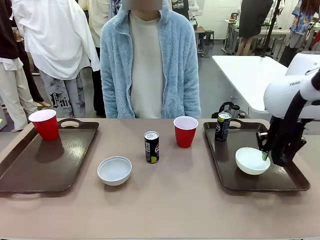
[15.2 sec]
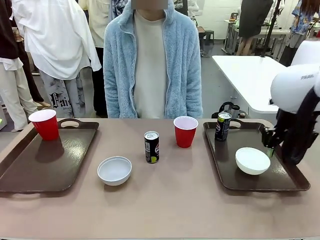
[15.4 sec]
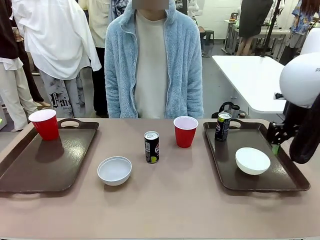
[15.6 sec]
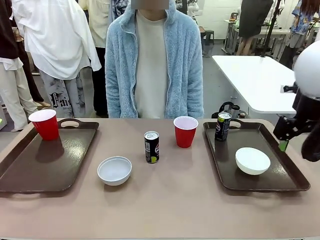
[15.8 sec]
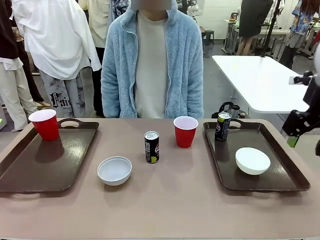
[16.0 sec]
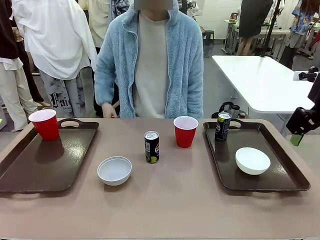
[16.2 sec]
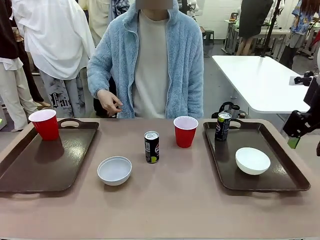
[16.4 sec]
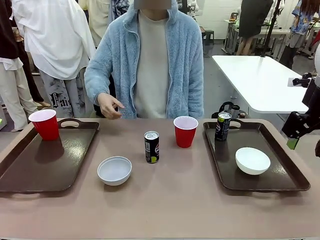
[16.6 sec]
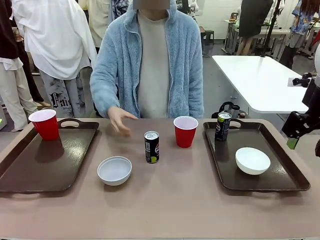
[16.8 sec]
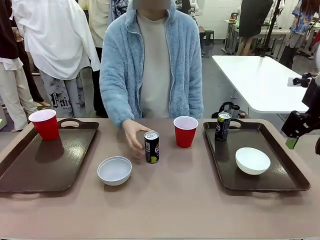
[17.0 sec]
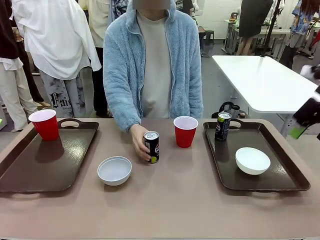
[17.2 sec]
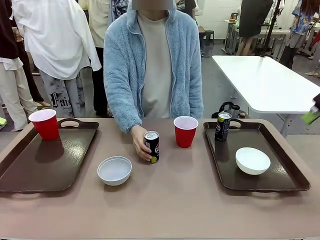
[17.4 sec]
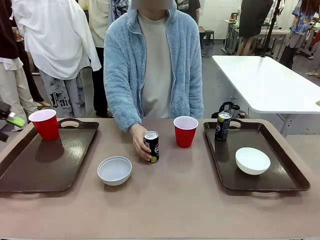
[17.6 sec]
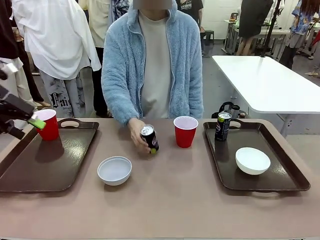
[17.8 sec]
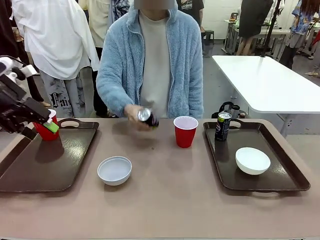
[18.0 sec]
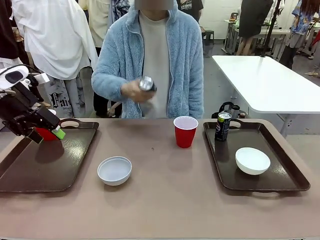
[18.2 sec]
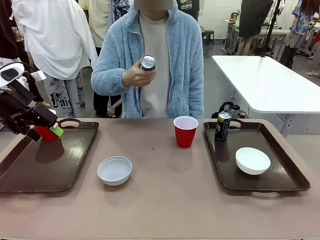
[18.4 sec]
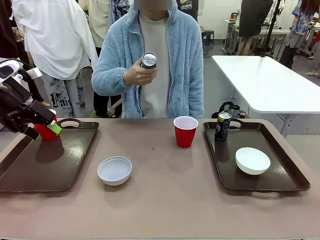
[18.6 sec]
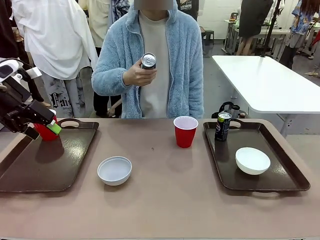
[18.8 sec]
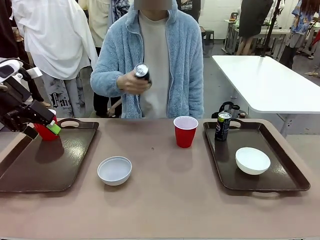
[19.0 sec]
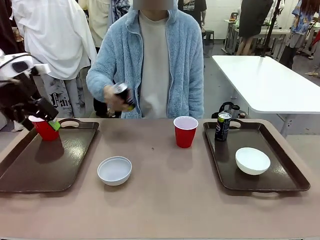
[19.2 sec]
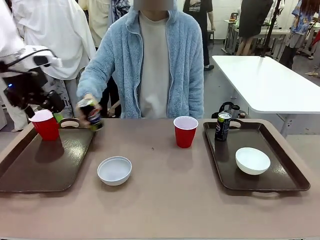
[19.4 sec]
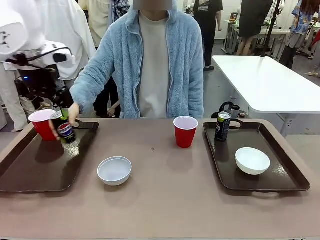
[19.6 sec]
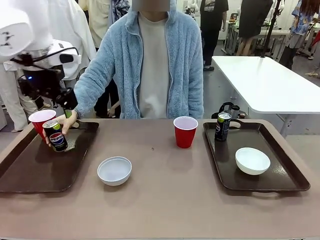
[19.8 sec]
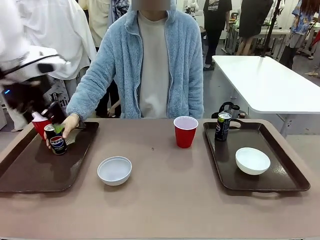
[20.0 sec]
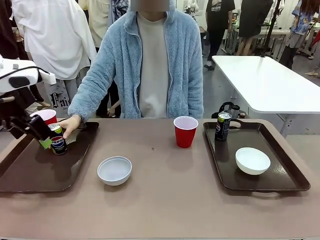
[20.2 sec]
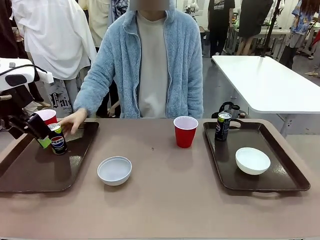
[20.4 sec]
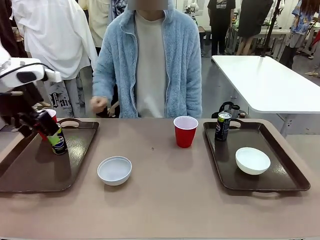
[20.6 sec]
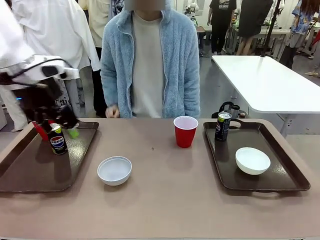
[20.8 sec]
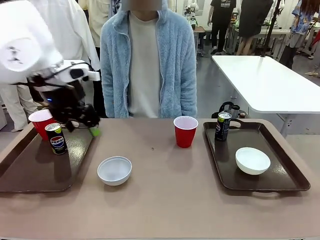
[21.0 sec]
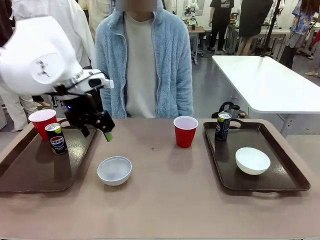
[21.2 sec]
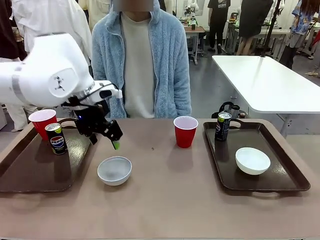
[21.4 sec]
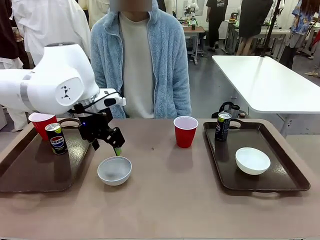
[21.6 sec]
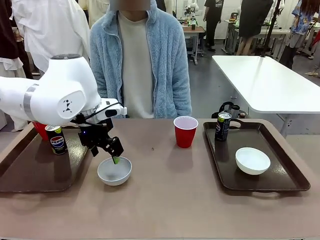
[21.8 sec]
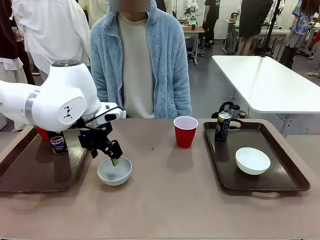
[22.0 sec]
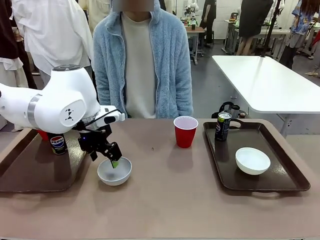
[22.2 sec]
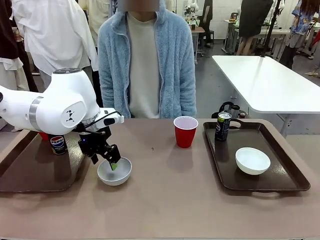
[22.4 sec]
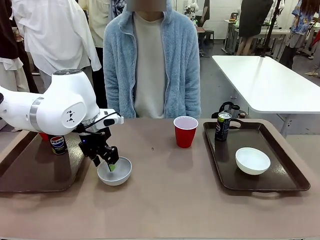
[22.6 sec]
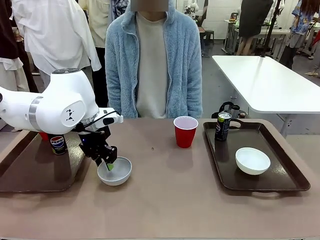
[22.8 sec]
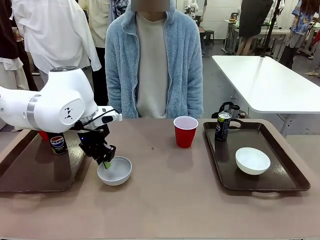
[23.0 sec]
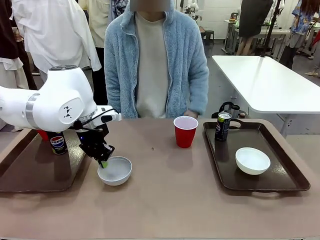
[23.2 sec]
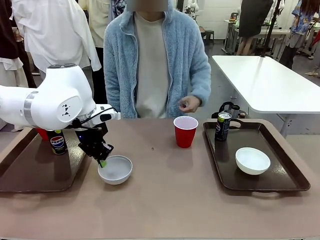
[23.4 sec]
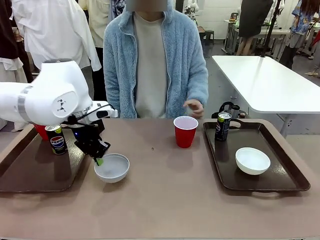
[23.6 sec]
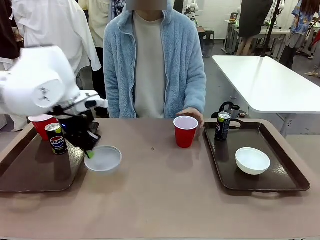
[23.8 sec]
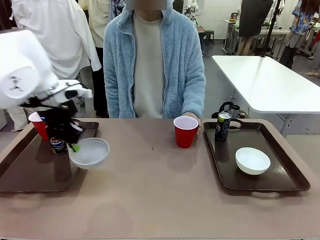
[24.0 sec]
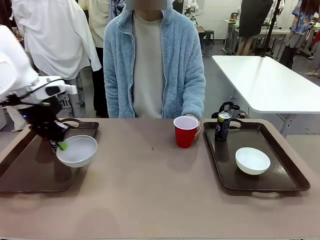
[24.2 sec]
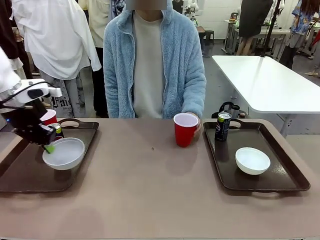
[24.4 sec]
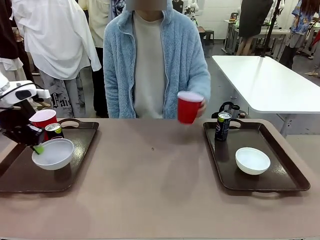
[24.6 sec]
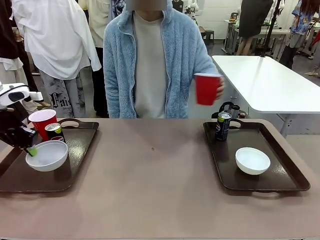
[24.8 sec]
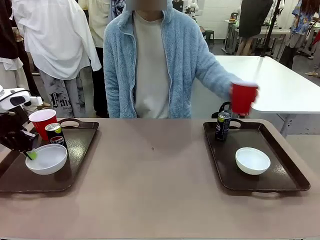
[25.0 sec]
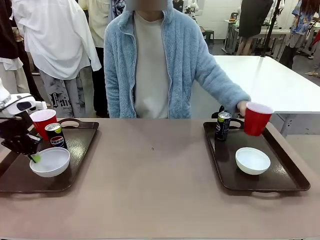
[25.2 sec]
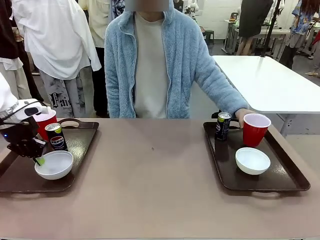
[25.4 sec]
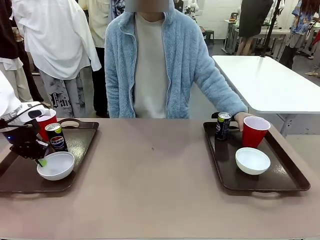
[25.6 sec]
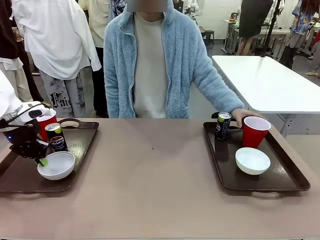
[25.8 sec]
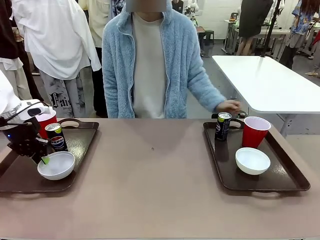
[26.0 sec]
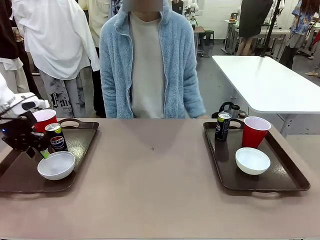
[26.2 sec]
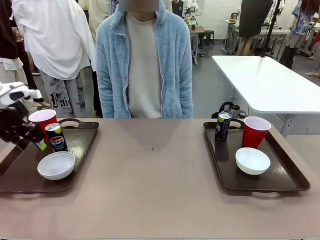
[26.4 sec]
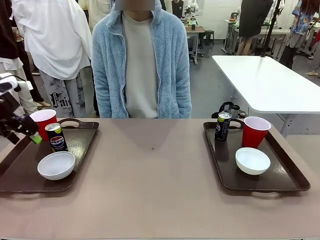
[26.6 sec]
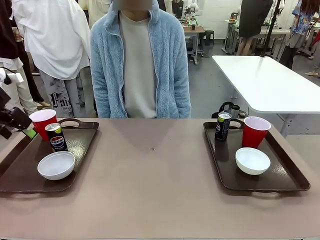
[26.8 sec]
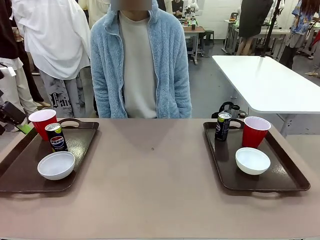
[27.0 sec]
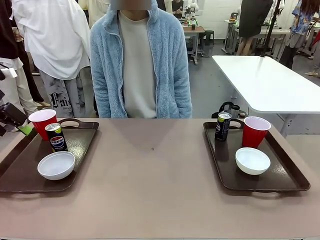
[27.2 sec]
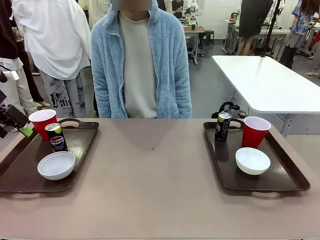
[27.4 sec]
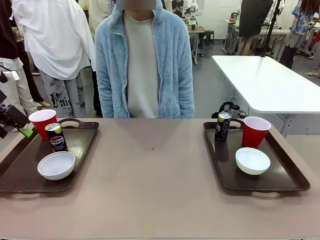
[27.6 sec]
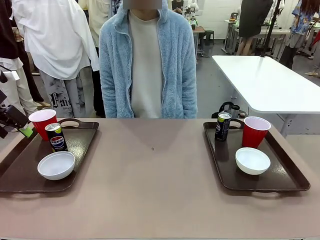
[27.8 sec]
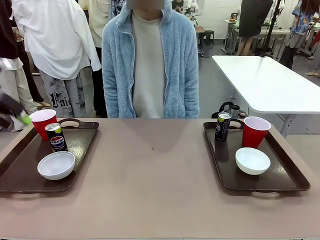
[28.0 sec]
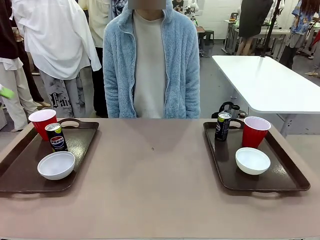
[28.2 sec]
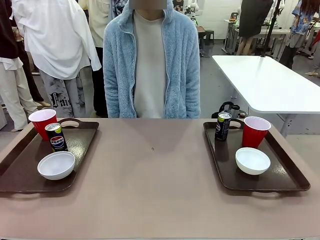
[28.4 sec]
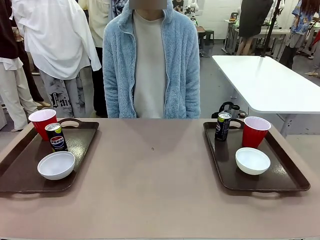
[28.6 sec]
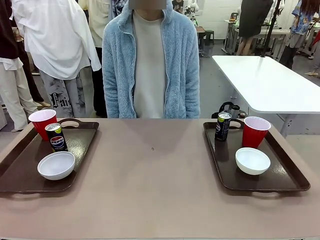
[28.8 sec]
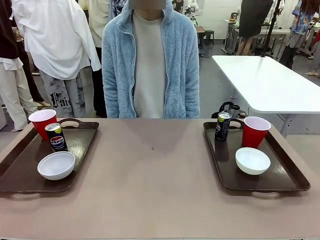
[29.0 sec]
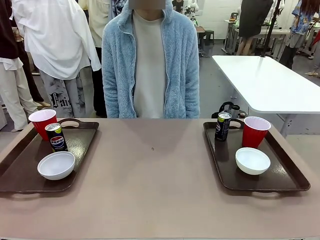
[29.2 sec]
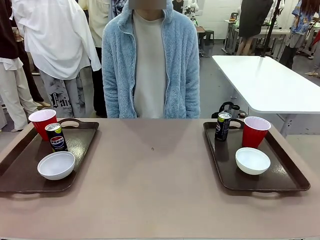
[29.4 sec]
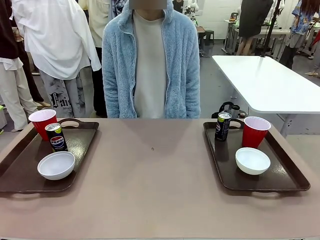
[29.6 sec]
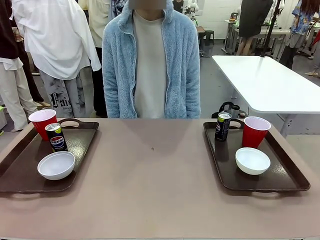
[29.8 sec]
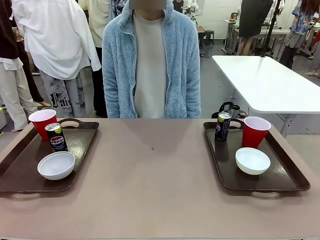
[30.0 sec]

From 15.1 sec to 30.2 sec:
Task: Prepare tableware on both trays.
Robot: Pick up a Picnic Bowl from the table and place it on a Handle tray.
Person: Pick up a can or cup and place it on the tray without a can or cup.
